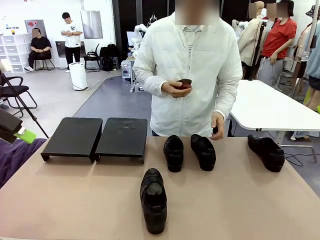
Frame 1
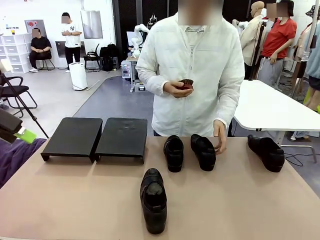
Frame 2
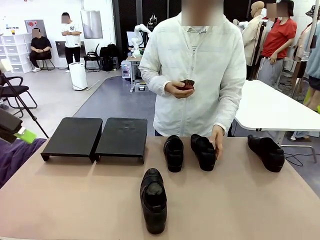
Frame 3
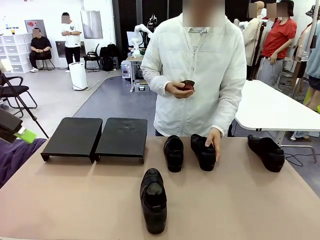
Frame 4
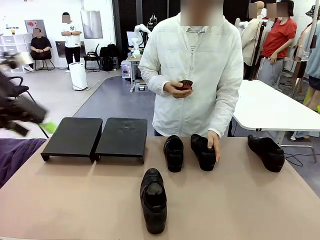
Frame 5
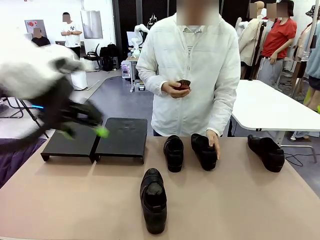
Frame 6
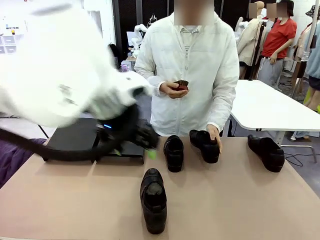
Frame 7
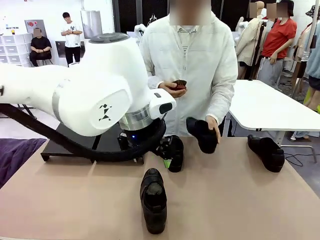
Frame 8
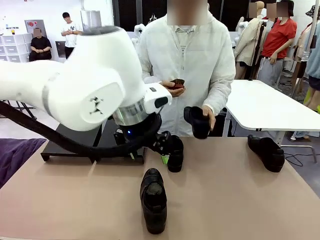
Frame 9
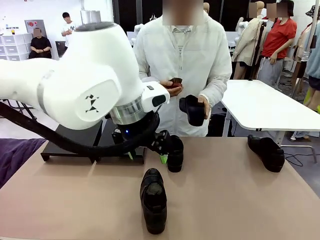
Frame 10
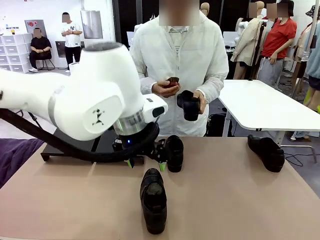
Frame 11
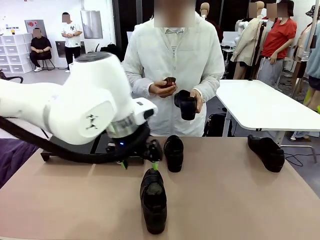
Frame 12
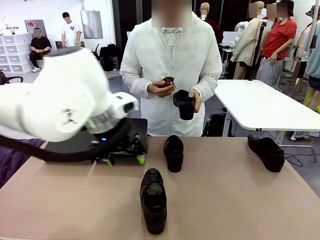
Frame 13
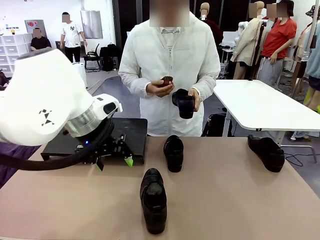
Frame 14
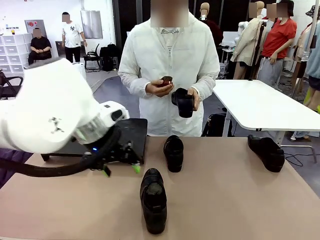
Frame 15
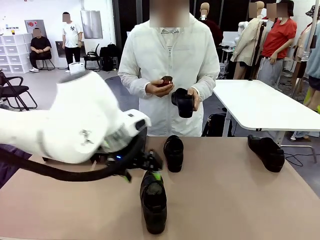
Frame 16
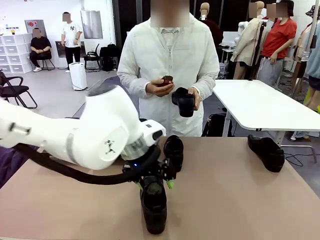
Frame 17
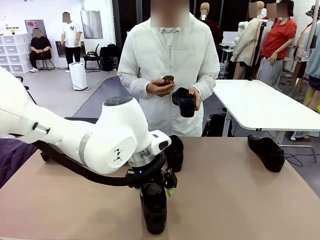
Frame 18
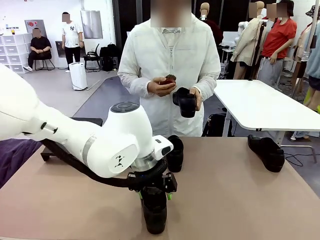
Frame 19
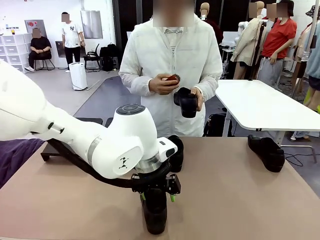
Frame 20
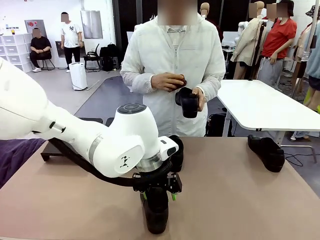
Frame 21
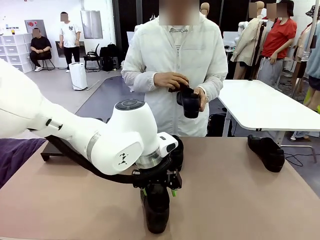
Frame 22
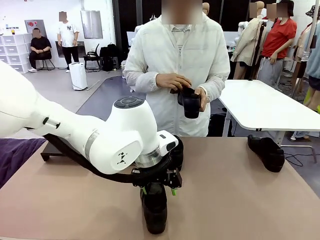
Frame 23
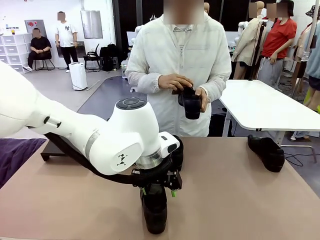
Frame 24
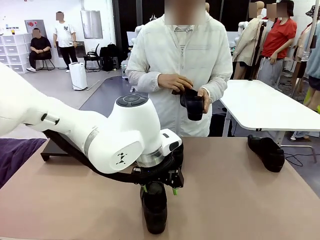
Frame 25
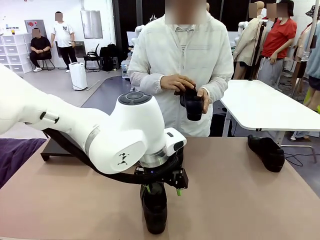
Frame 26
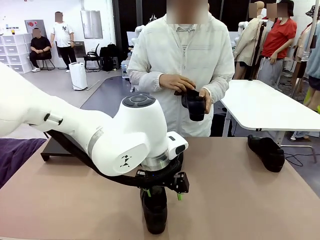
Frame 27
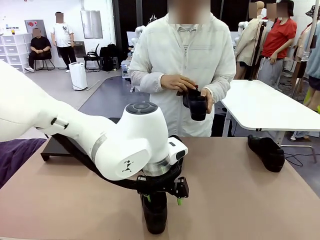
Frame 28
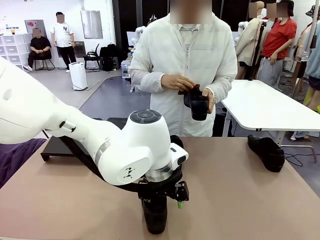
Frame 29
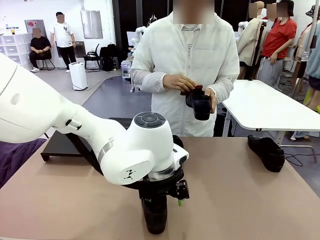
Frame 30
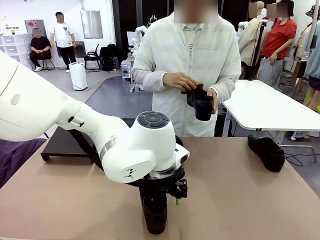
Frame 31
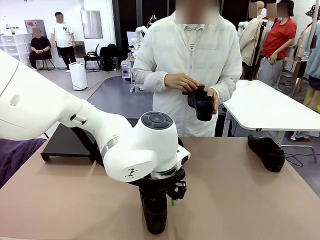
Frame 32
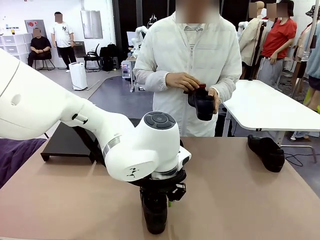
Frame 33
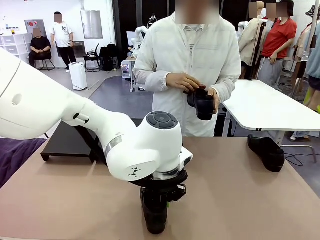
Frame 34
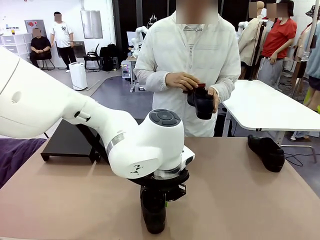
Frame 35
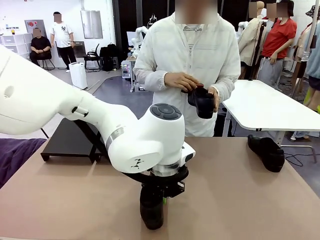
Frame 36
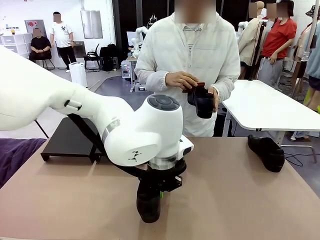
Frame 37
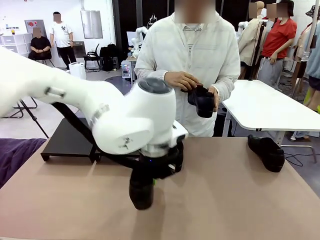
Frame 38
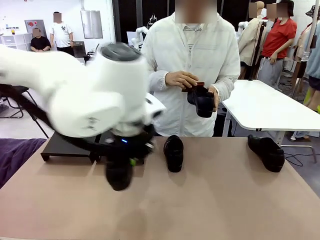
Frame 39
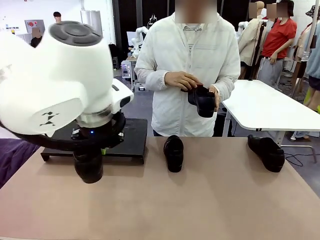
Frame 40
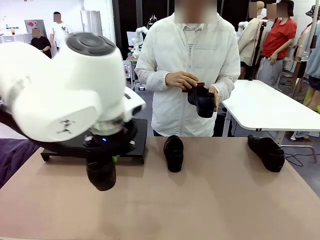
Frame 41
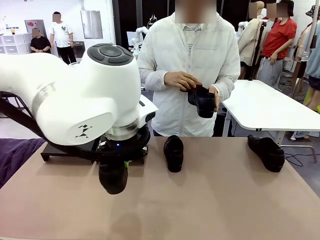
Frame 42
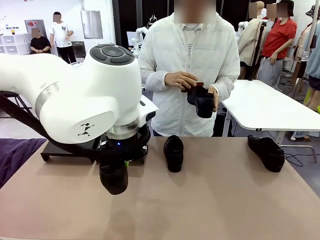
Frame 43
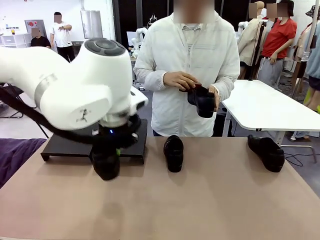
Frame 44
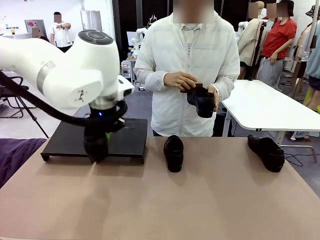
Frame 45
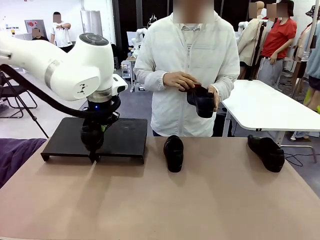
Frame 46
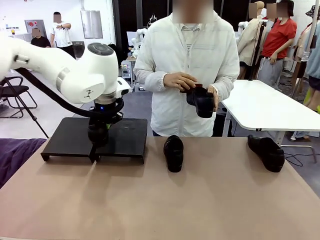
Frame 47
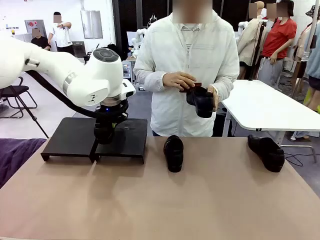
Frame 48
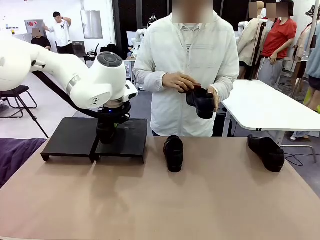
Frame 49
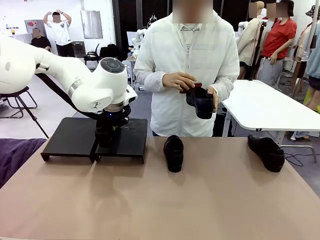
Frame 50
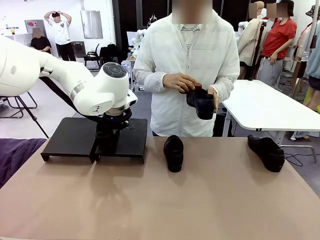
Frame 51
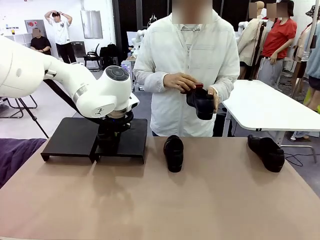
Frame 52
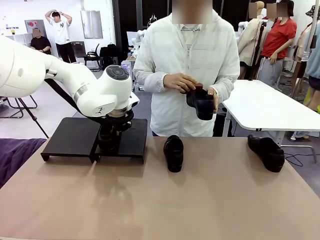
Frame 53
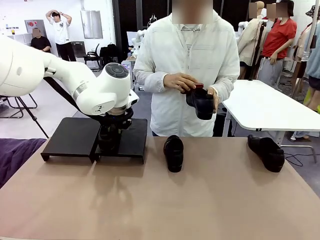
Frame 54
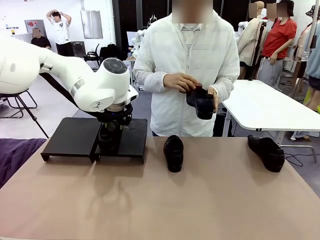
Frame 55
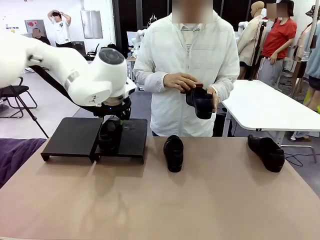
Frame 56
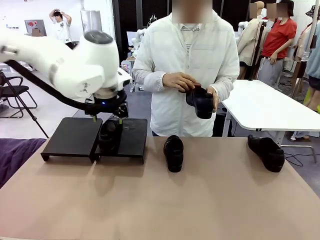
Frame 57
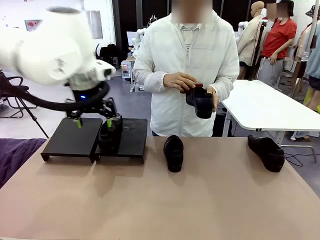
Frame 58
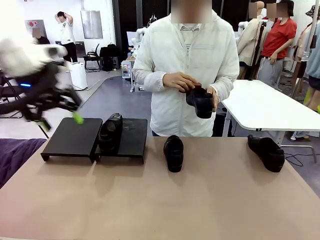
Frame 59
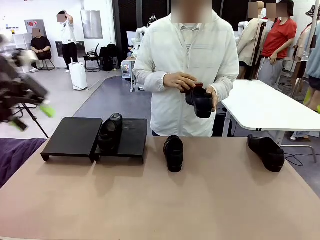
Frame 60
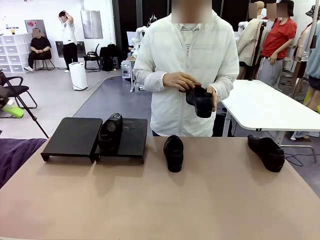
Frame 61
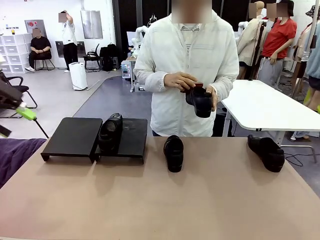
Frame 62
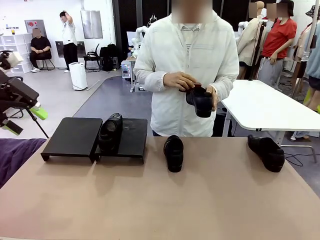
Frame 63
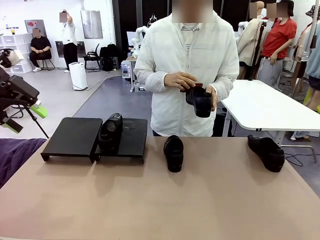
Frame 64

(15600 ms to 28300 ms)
Task: Organize the shoes by placing them on the stand.
Robot: Place the Shoe from the middle of the table onto the Shoes Stand.
Person: Pick one Shoe on Robot's table. Clean the Shoe with the Shoe Brush.

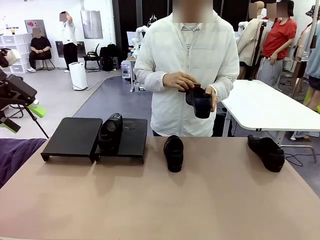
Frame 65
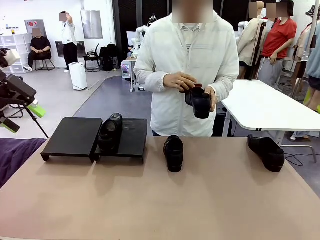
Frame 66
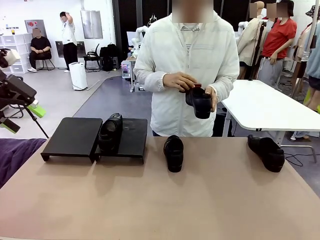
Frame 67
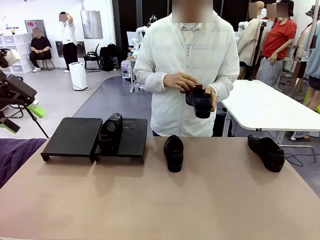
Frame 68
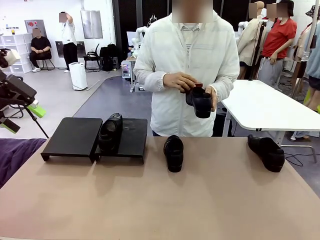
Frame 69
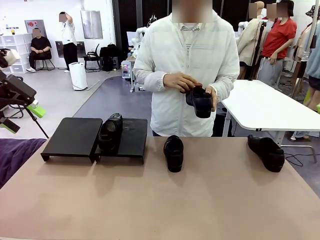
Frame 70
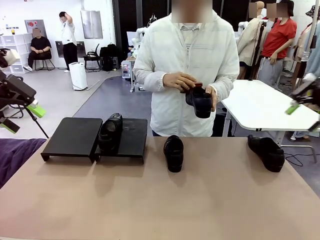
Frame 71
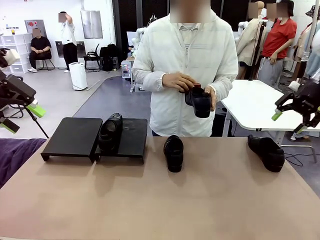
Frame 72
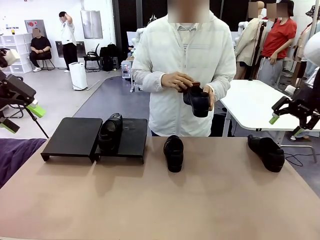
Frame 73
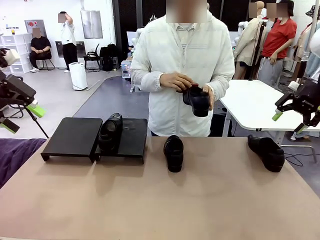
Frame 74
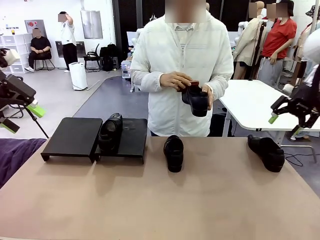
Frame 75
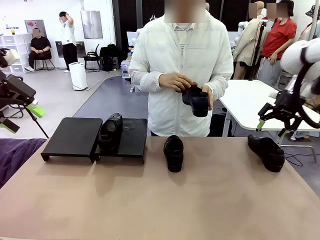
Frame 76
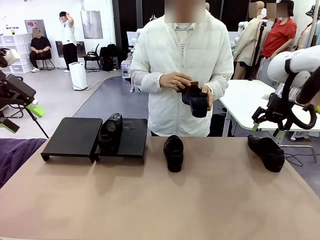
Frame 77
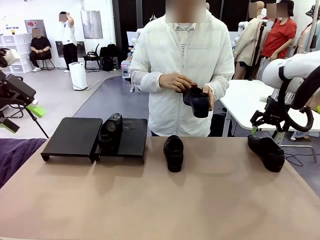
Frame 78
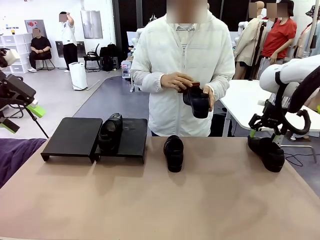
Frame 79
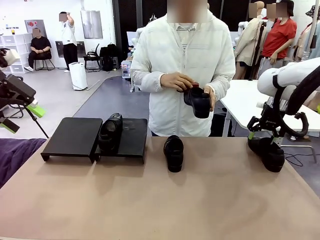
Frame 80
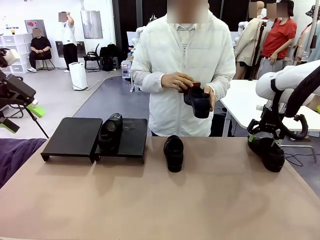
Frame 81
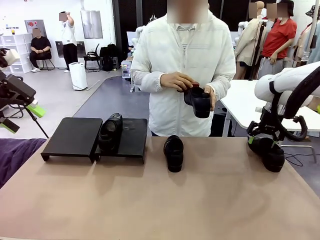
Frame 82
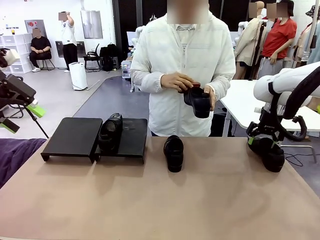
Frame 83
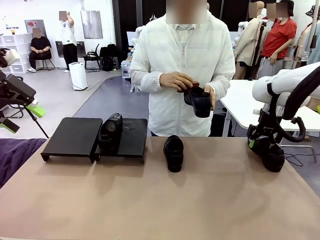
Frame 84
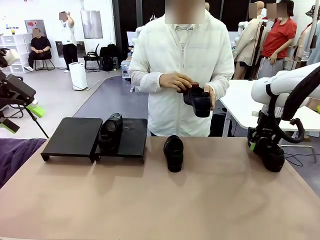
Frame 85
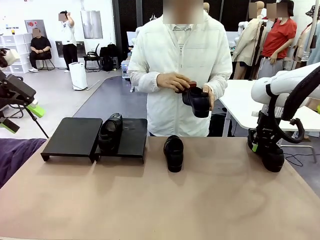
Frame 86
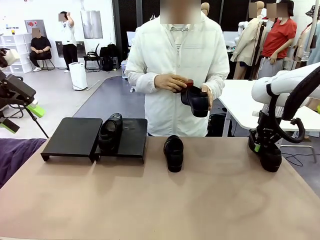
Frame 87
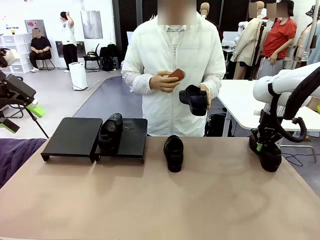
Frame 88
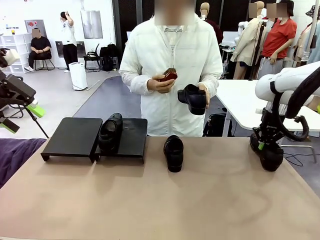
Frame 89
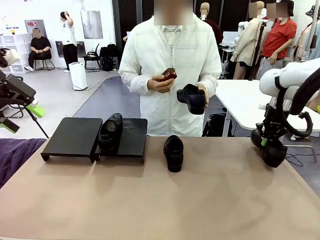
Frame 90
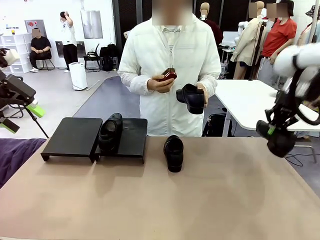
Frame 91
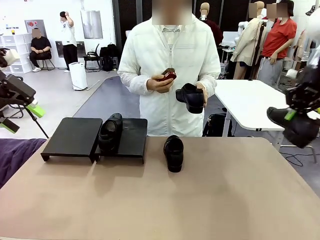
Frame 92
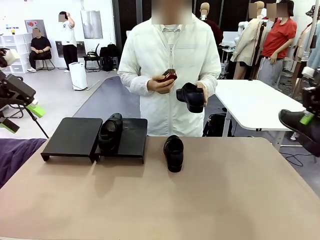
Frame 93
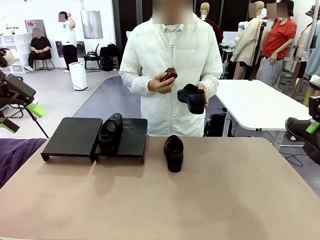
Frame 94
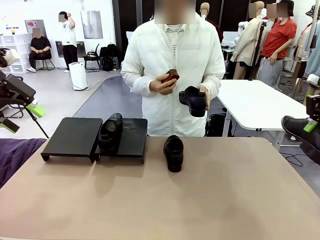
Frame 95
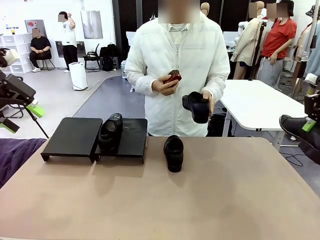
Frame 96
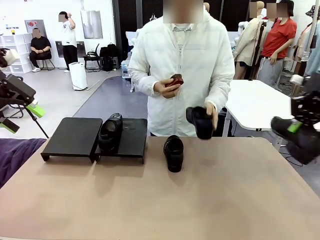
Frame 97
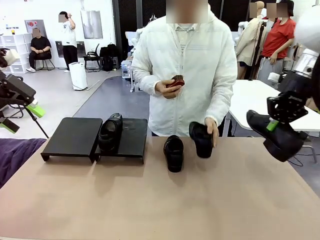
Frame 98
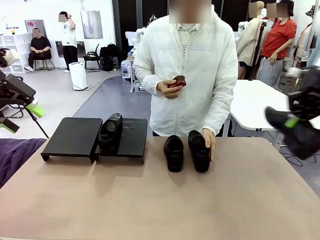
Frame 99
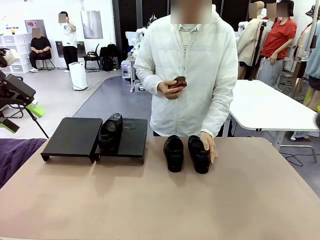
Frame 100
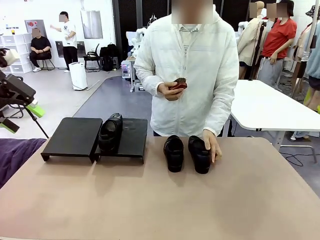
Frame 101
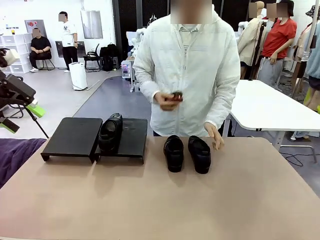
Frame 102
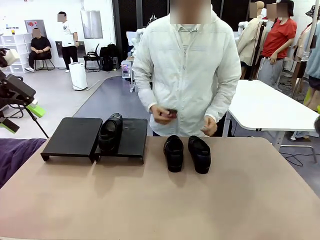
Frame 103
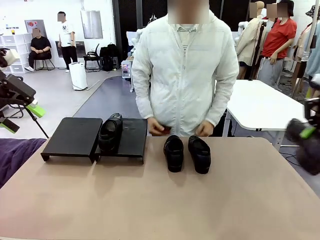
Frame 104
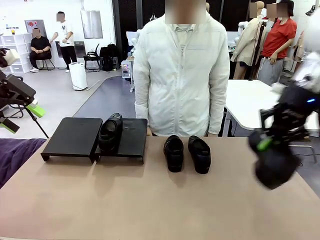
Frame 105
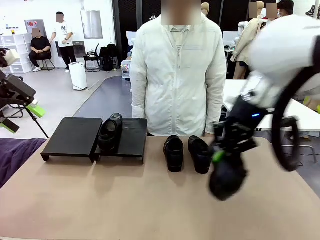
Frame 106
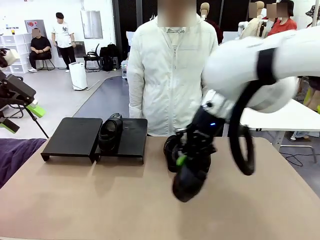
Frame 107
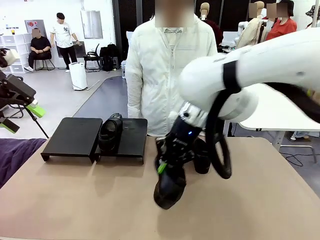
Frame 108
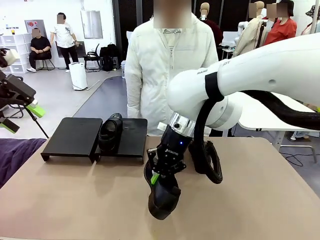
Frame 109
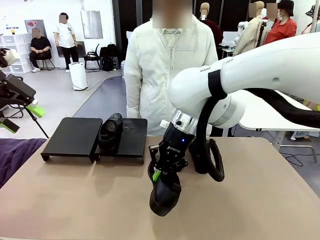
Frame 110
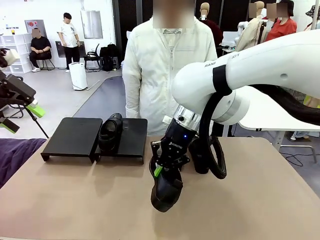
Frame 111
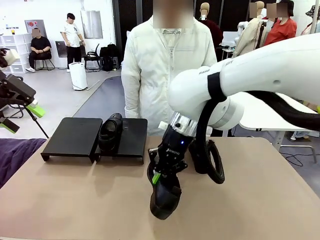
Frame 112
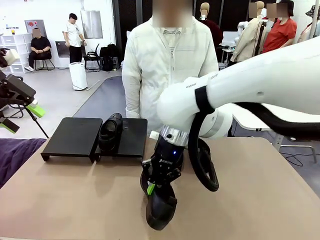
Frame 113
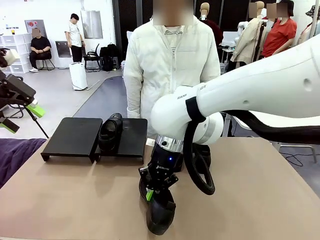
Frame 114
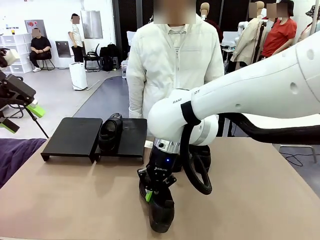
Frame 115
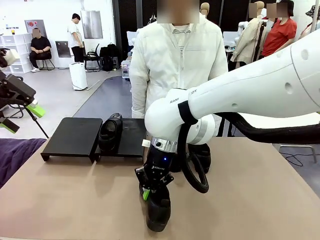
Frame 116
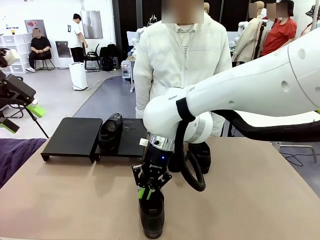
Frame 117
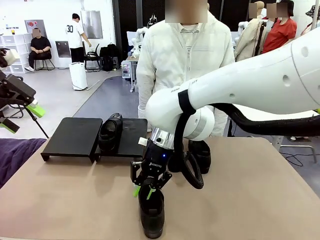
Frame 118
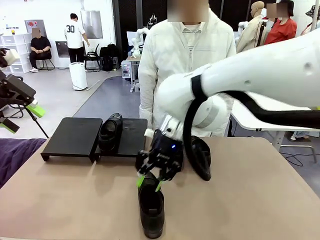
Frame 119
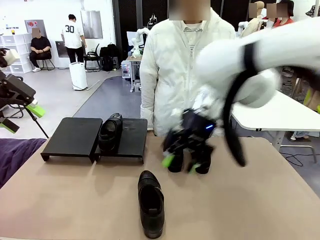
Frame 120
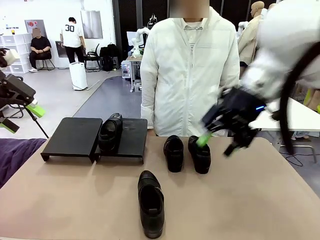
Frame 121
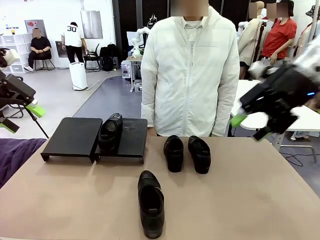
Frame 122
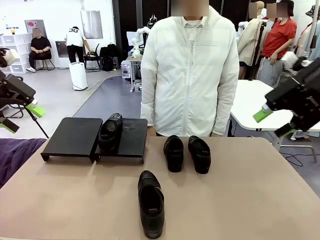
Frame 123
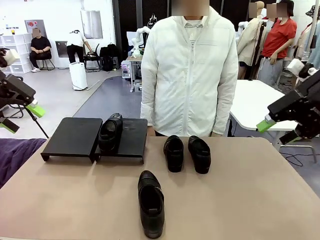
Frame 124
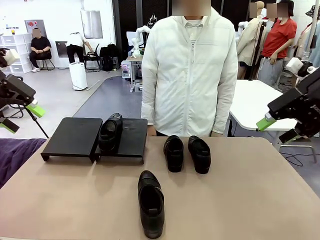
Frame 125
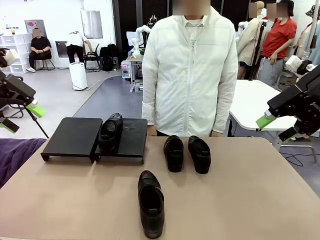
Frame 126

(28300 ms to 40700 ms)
Robot: Pick up one Shoe and place it in the middle of the table.
